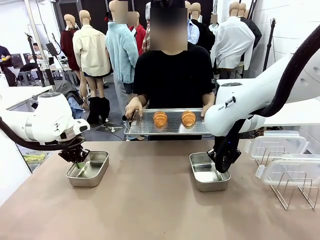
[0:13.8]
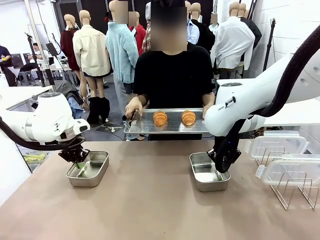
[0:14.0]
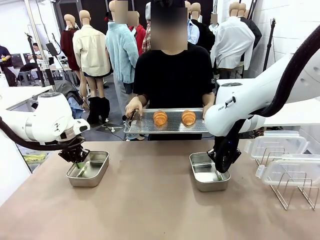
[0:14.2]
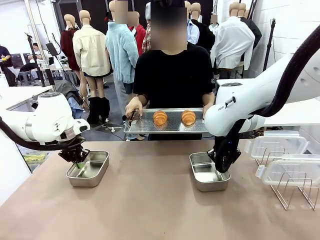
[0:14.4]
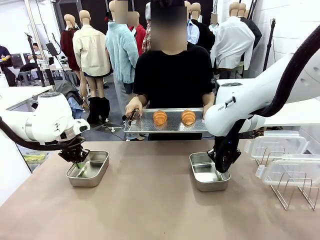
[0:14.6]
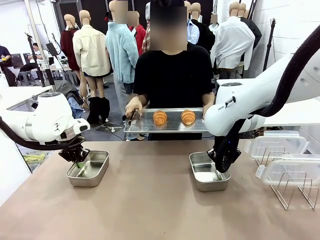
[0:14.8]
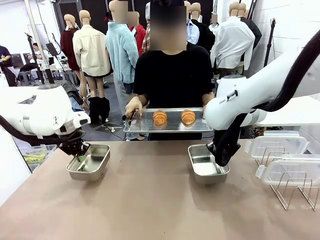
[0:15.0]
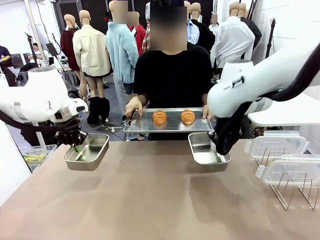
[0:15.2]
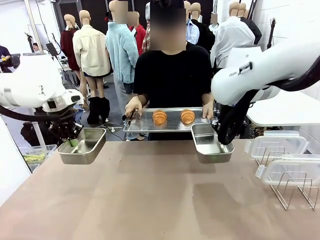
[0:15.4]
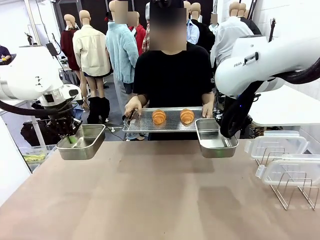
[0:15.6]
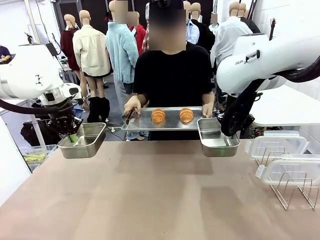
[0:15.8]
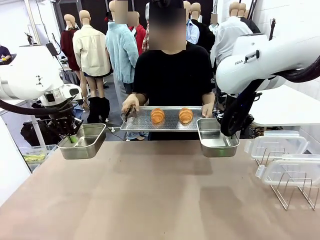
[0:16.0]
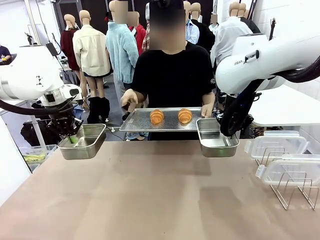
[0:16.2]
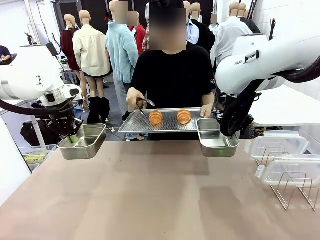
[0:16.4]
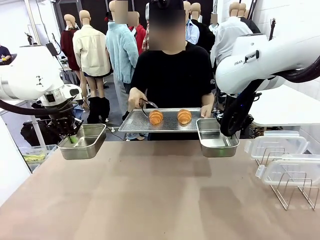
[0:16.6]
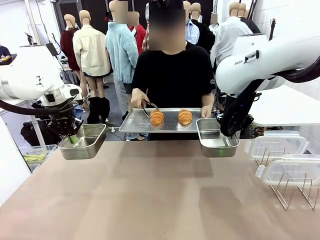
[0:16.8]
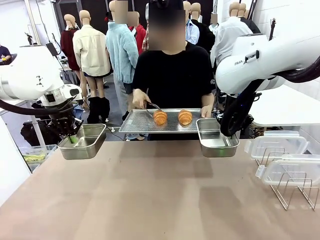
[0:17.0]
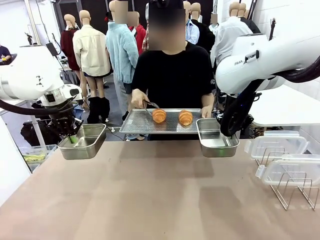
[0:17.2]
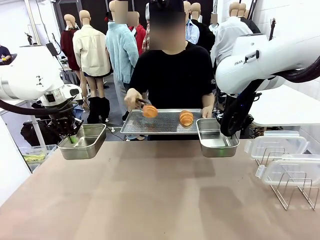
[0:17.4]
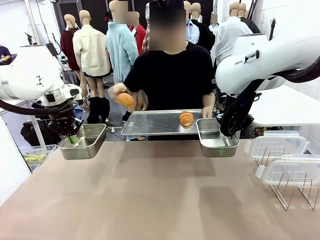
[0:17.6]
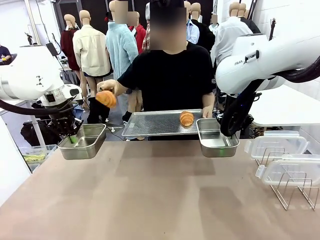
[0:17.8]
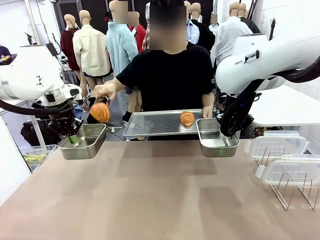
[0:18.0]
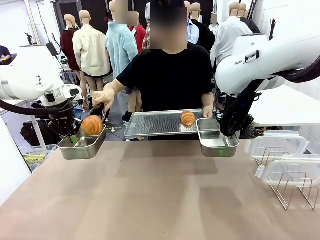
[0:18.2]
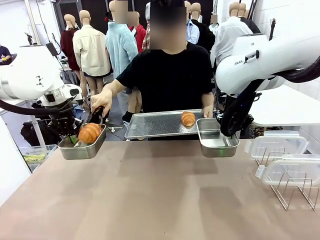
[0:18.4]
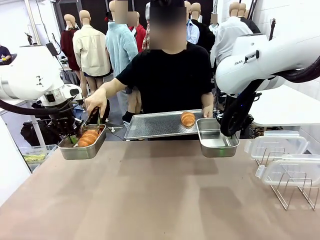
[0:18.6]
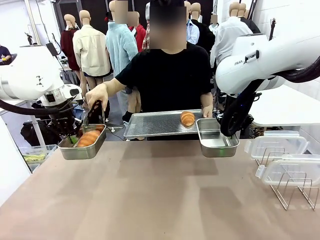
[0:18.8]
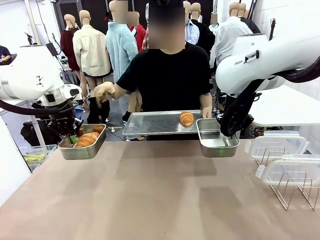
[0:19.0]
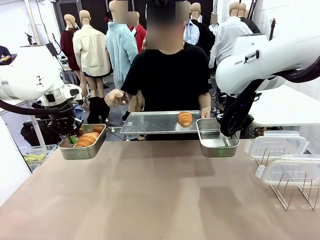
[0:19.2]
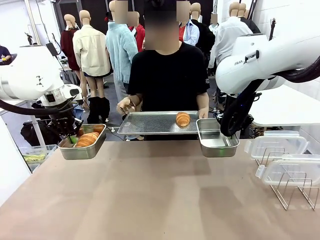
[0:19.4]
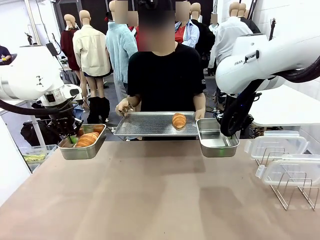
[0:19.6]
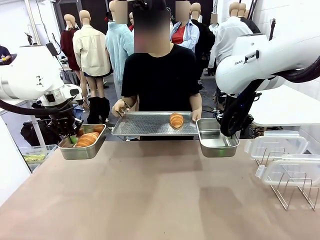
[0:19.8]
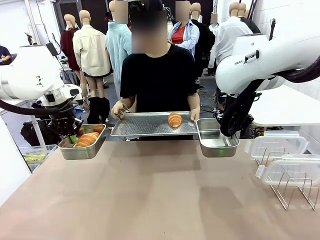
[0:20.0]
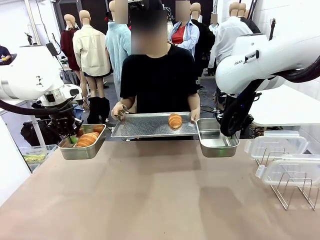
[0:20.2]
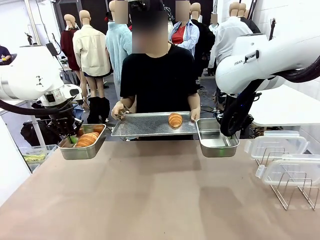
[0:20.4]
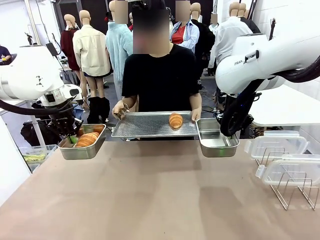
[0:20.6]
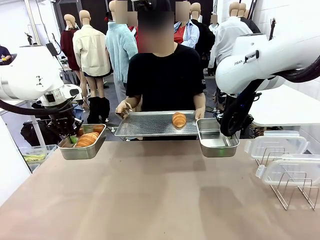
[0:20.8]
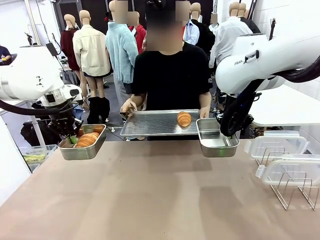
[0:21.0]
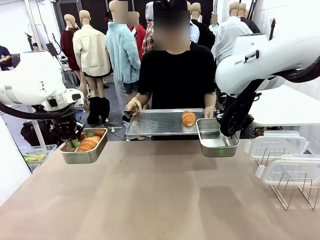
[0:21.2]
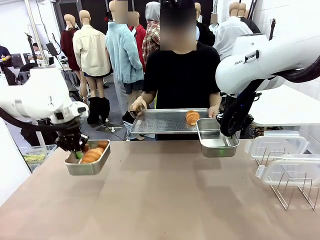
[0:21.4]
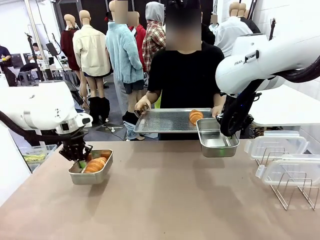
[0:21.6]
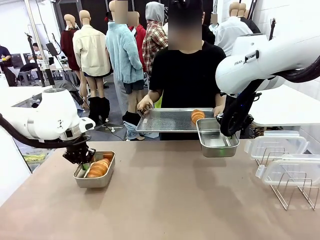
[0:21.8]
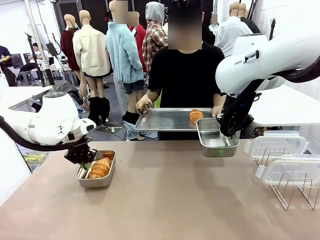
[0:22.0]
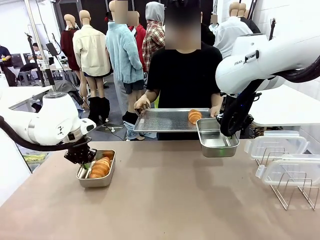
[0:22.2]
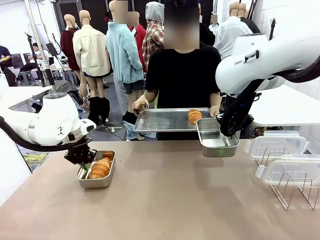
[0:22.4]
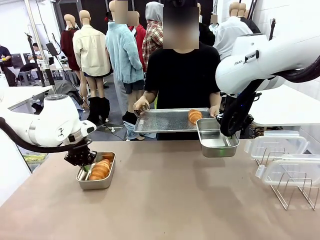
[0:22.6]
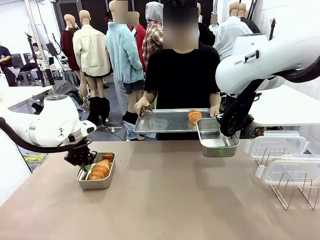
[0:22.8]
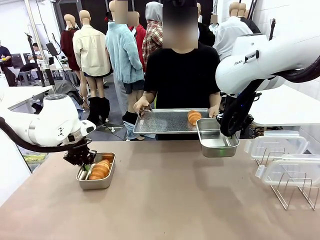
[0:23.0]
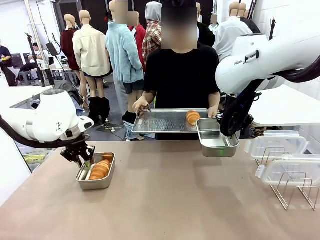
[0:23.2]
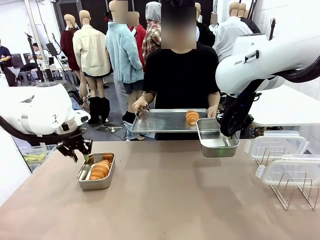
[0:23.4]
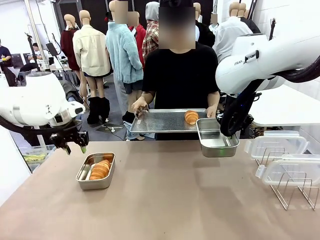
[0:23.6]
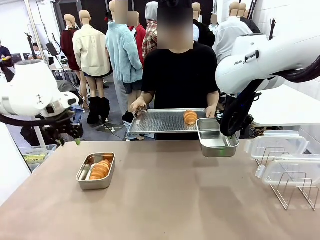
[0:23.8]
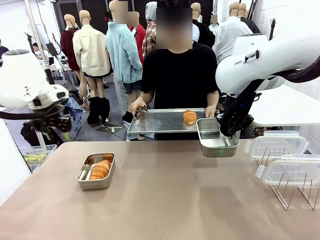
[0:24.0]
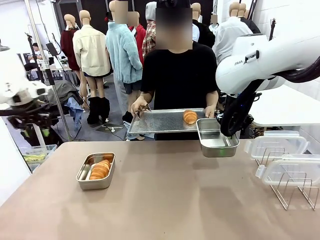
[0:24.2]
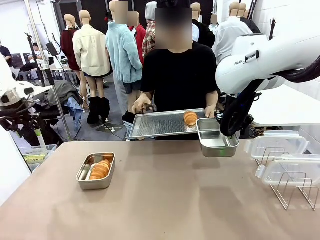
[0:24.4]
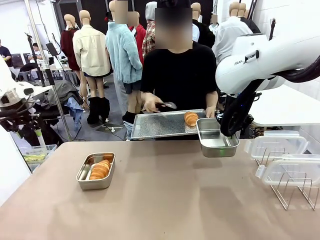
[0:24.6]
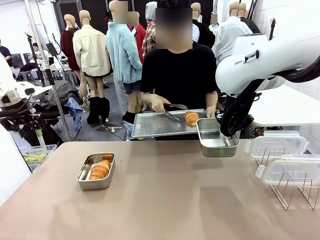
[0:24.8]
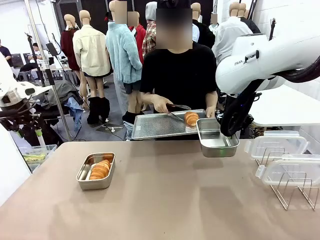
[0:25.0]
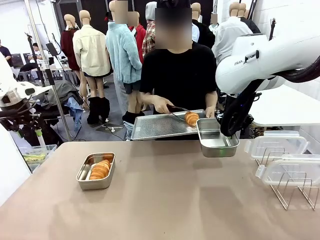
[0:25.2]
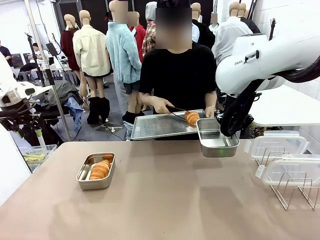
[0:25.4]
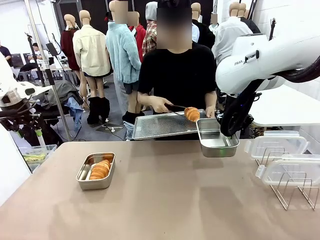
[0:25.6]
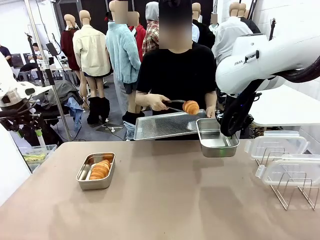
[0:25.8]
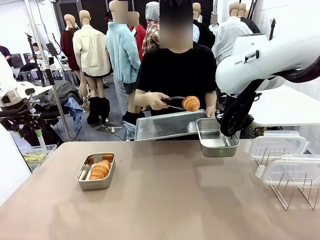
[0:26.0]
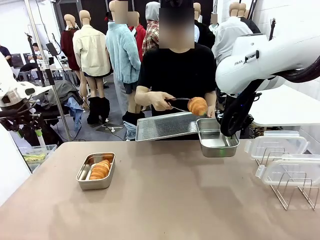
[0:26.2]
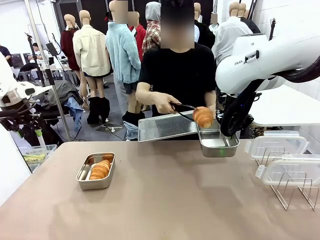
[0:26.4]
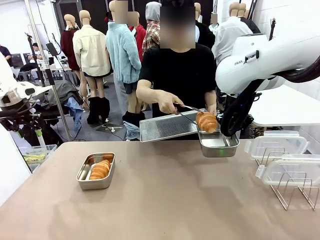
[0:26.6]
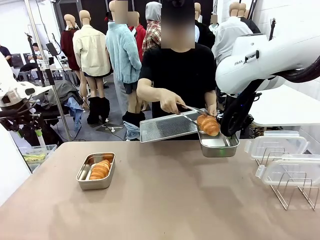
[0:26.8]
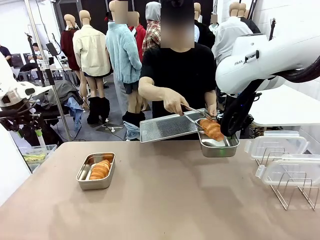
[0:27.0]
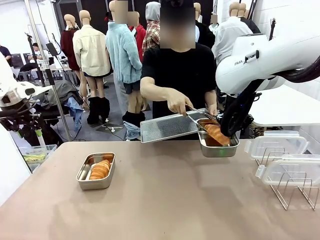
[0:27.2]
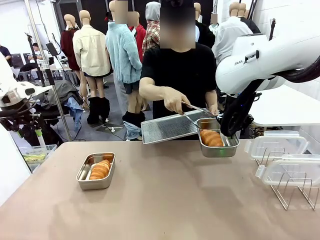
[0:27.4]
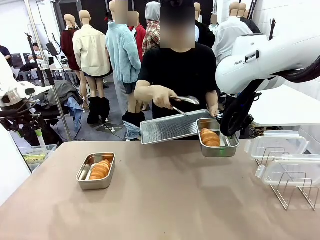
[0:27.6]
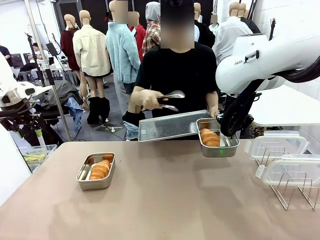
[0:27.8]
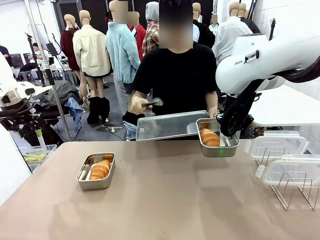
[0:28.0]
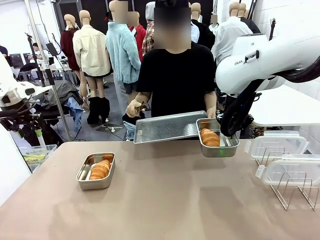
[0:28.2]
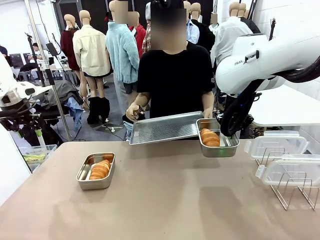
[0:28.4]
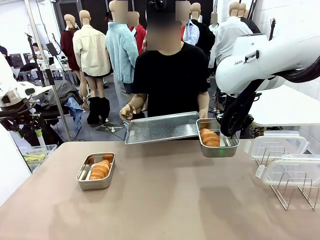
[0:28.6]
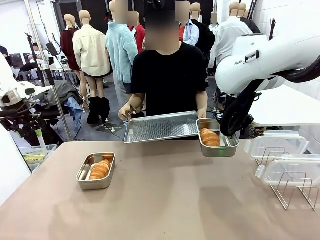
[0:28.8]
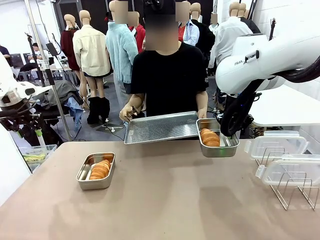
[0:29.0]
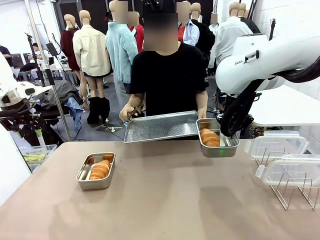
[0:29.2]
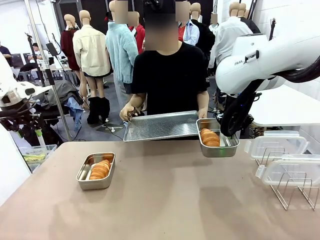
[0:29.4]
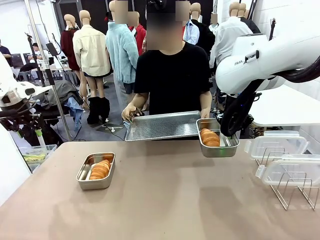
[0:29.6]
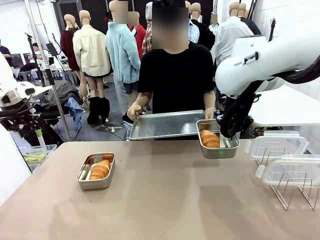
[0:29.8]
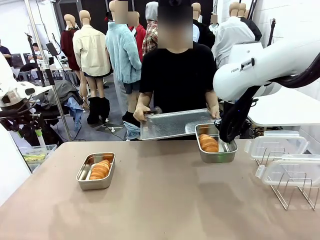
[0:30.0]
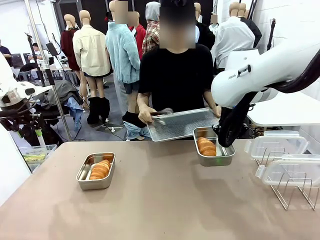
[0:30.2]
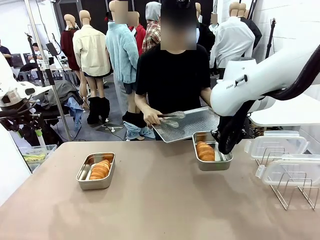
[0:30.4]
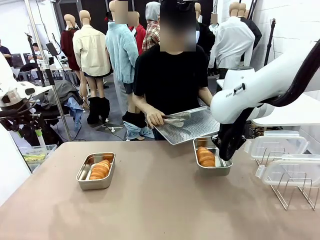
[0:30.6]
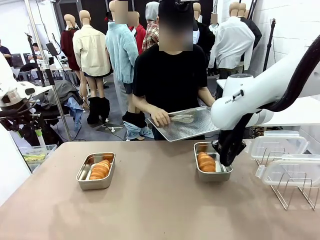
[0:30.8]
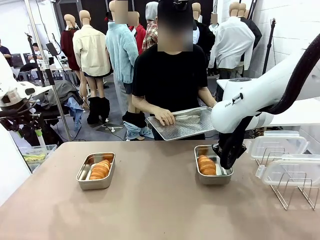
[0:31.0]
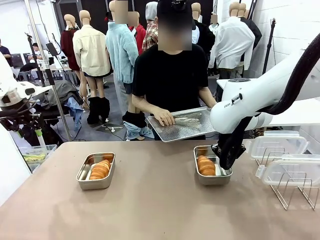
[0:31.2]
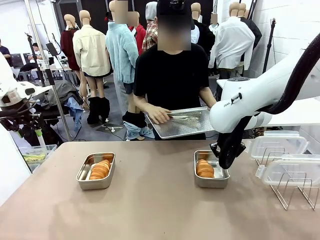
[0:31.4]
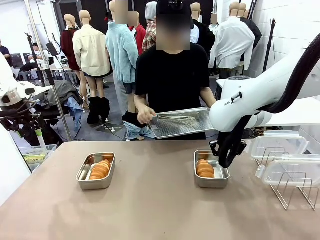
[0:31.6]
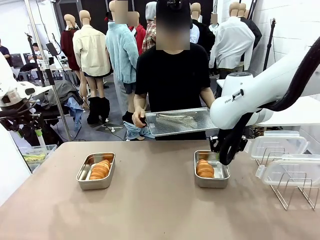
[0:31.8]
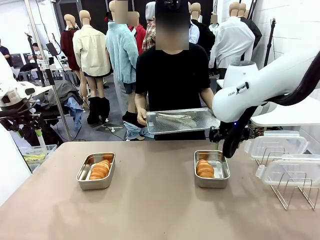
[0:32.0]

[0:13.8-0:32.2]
Task: Place the bread in airtight containers.
Robot: Once an object is inside an Airtight Container , place the container in the center of the table.
Person: Use the Stainless steel tongs to place one object from Baking Sheet into one Airtight Container.
